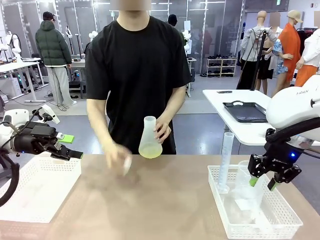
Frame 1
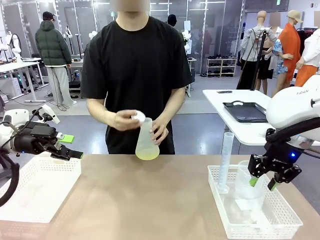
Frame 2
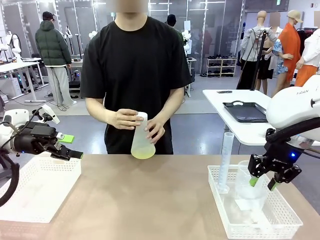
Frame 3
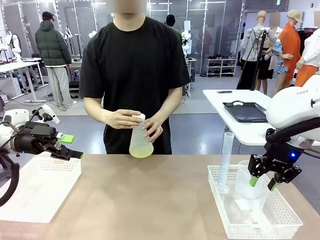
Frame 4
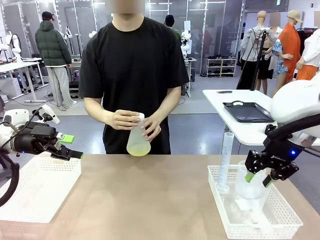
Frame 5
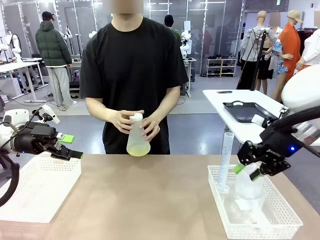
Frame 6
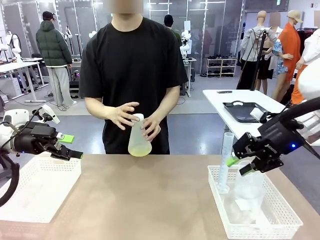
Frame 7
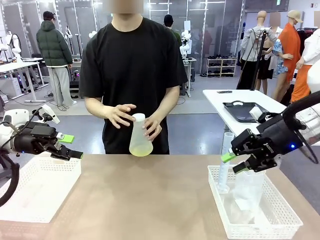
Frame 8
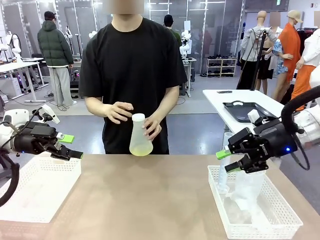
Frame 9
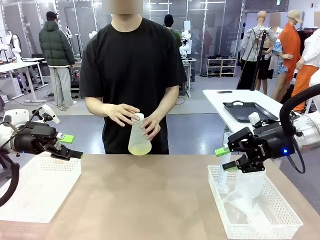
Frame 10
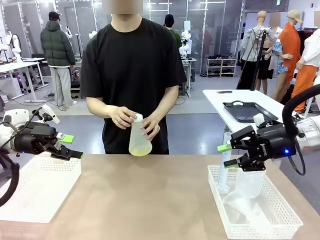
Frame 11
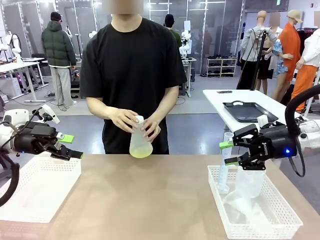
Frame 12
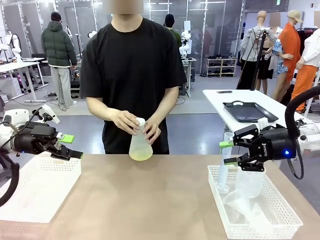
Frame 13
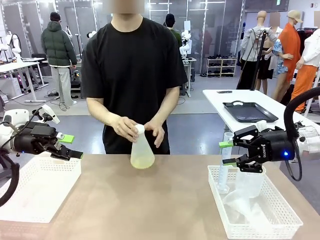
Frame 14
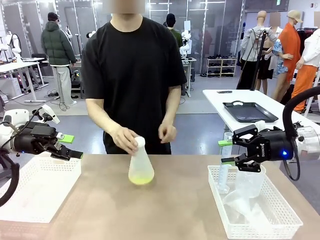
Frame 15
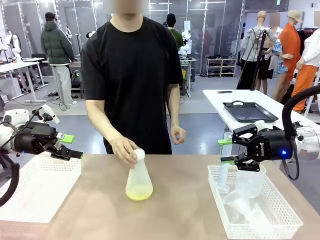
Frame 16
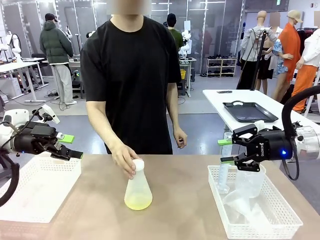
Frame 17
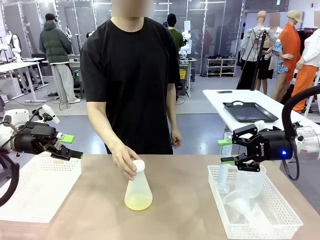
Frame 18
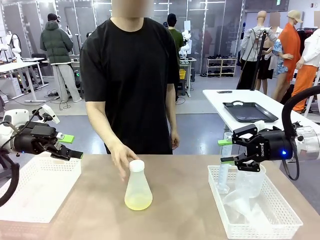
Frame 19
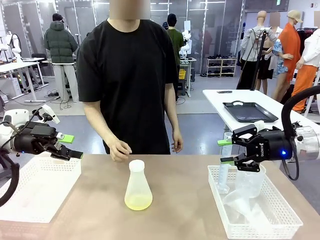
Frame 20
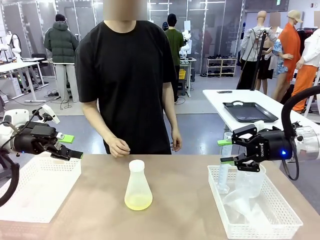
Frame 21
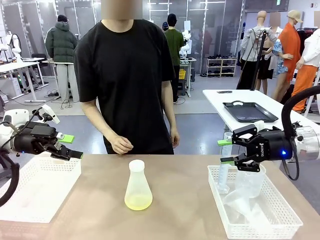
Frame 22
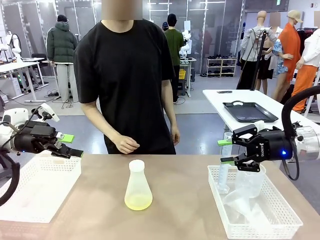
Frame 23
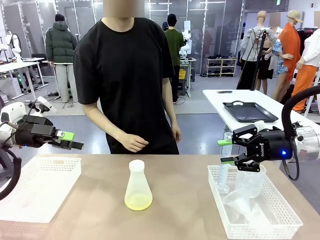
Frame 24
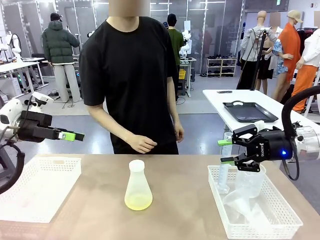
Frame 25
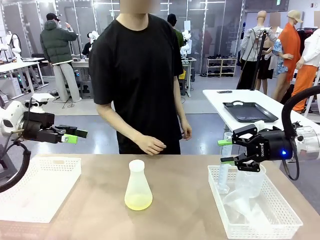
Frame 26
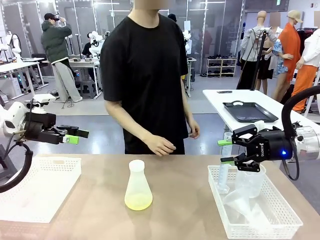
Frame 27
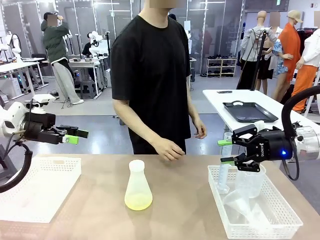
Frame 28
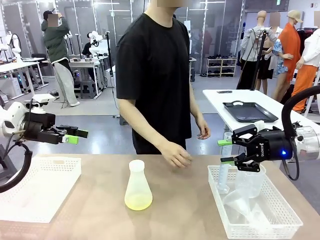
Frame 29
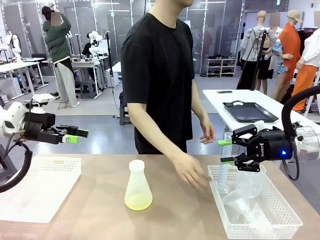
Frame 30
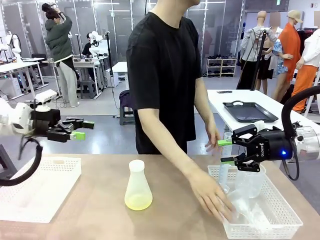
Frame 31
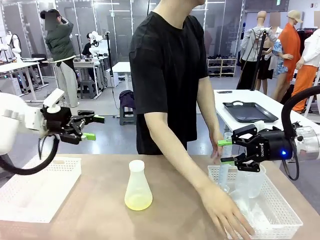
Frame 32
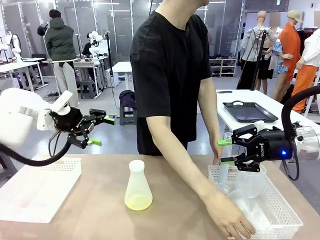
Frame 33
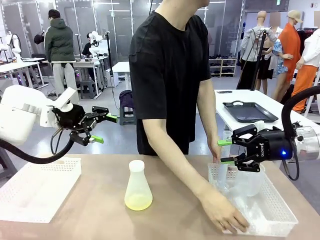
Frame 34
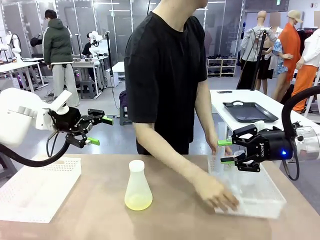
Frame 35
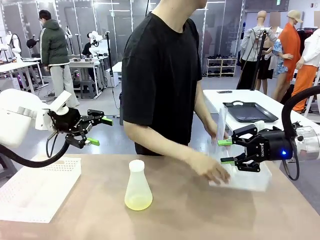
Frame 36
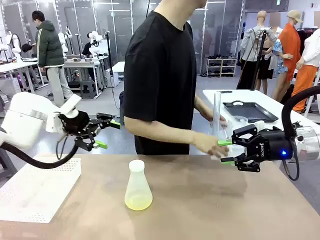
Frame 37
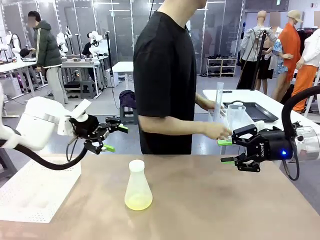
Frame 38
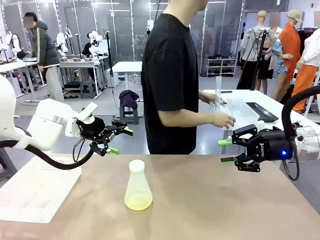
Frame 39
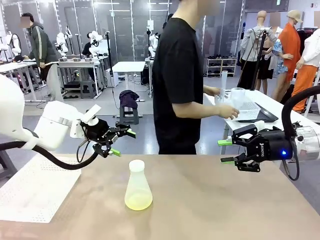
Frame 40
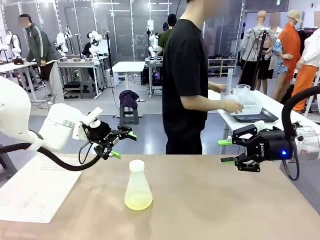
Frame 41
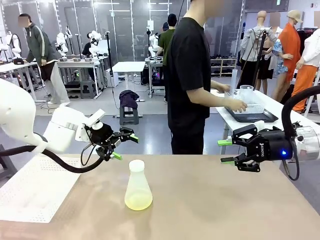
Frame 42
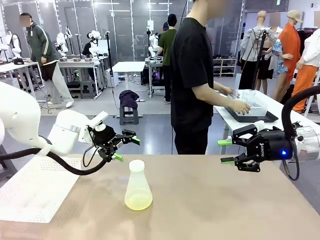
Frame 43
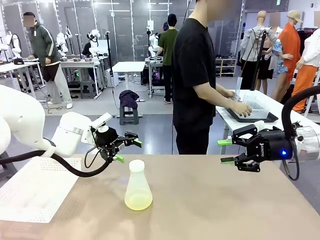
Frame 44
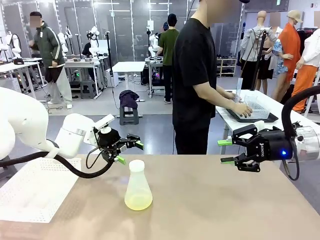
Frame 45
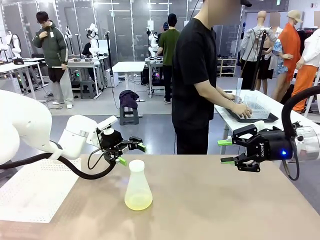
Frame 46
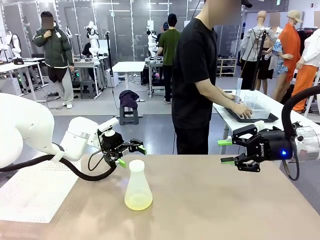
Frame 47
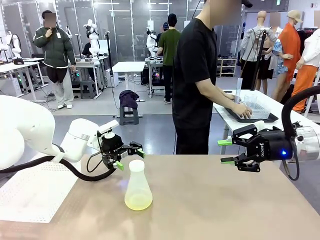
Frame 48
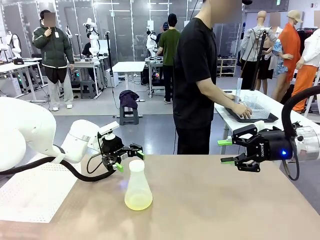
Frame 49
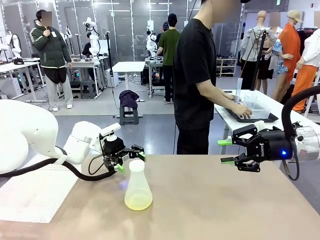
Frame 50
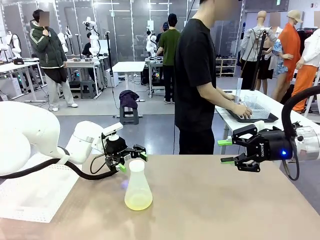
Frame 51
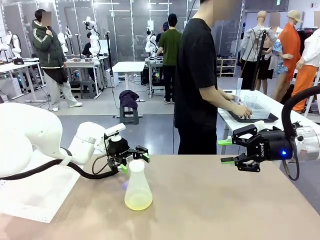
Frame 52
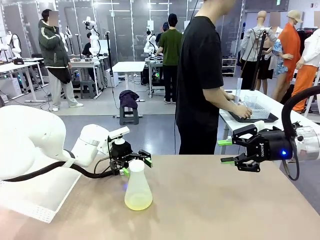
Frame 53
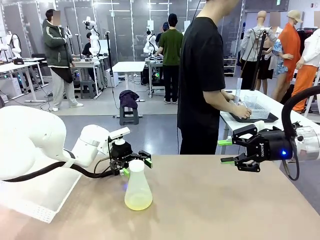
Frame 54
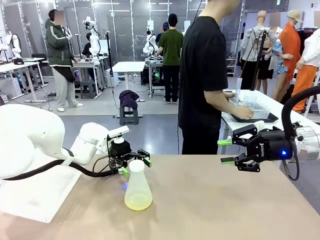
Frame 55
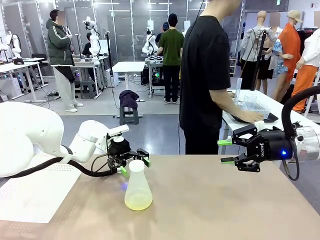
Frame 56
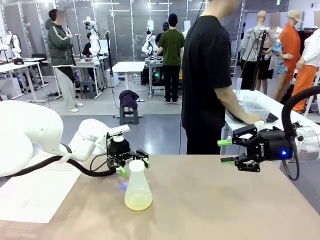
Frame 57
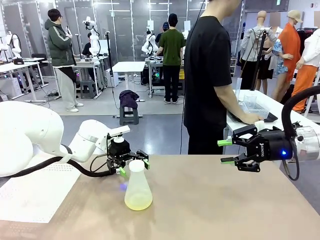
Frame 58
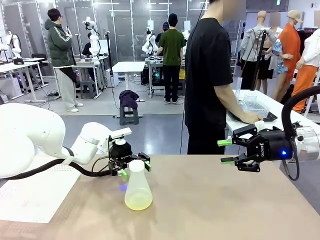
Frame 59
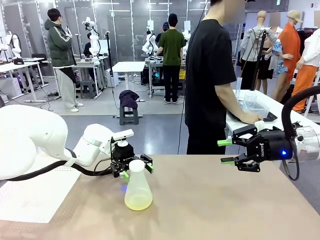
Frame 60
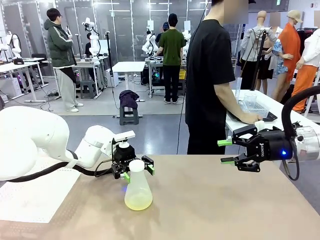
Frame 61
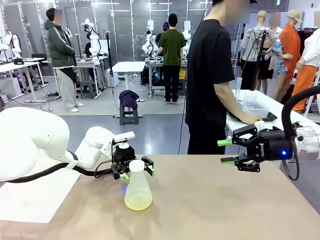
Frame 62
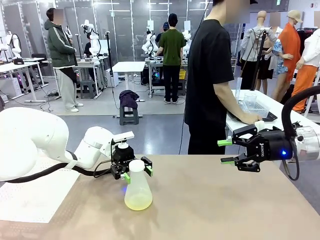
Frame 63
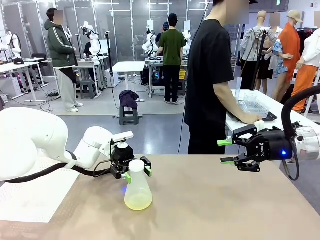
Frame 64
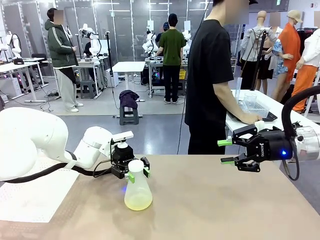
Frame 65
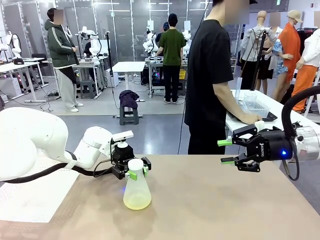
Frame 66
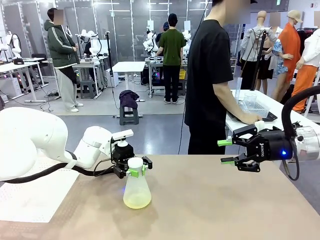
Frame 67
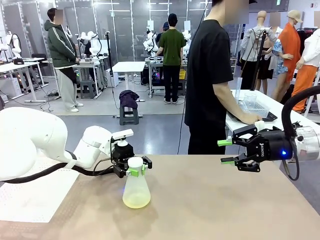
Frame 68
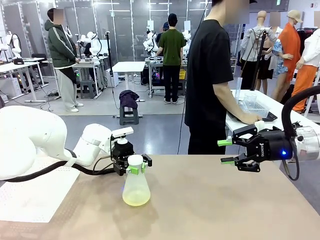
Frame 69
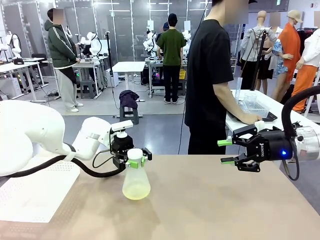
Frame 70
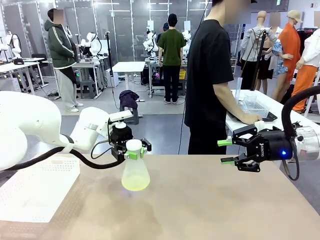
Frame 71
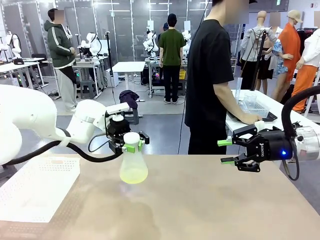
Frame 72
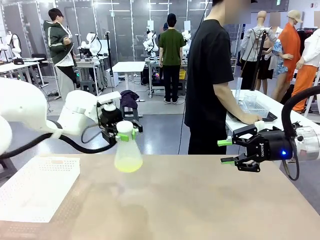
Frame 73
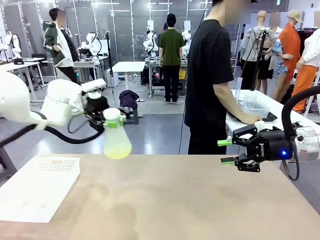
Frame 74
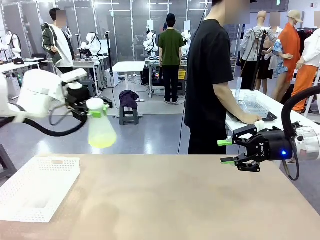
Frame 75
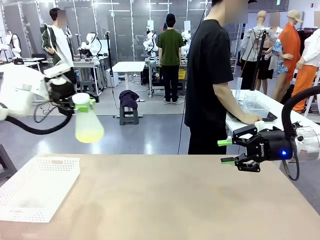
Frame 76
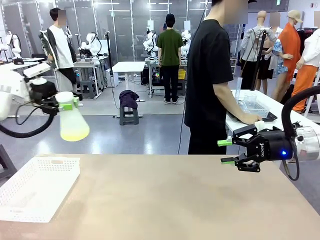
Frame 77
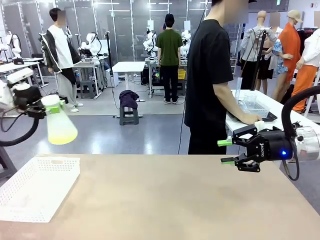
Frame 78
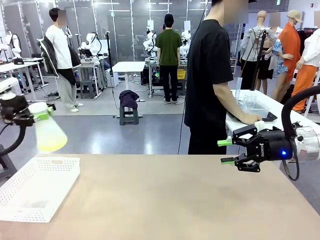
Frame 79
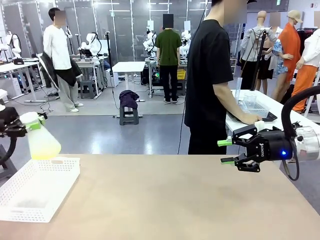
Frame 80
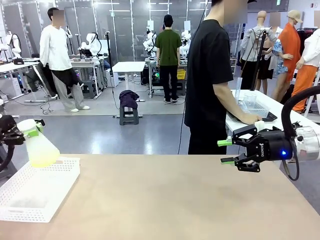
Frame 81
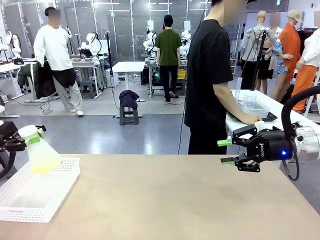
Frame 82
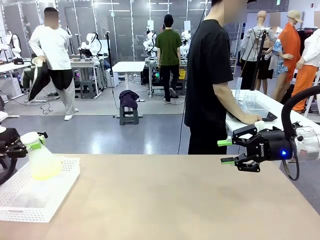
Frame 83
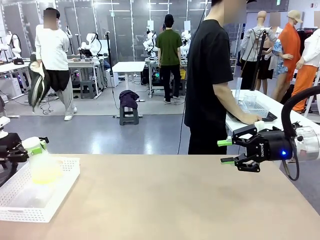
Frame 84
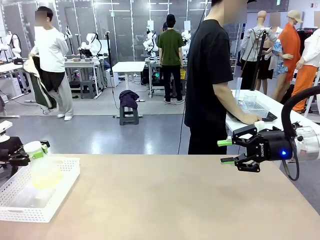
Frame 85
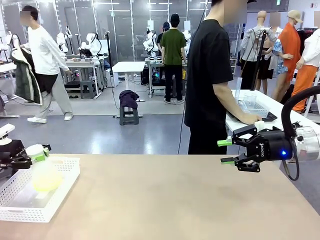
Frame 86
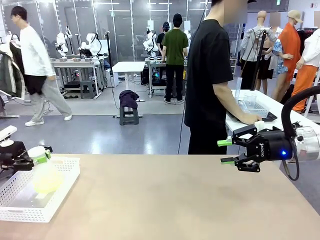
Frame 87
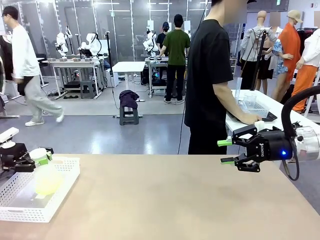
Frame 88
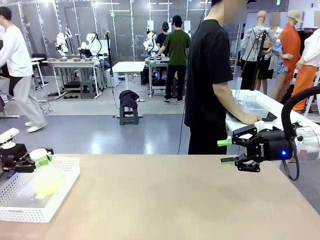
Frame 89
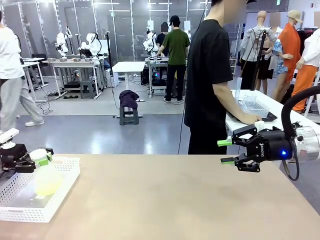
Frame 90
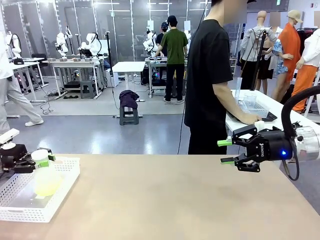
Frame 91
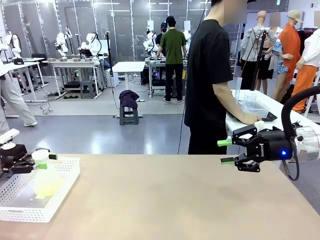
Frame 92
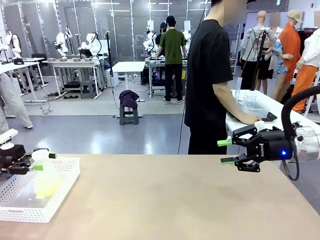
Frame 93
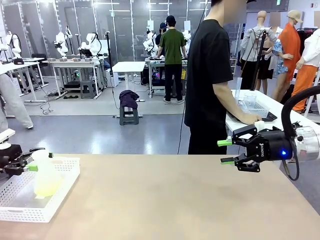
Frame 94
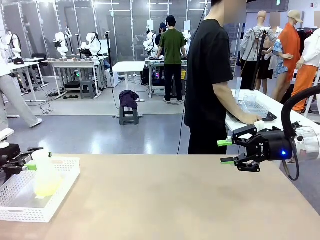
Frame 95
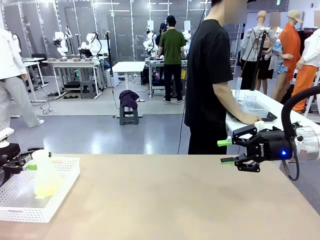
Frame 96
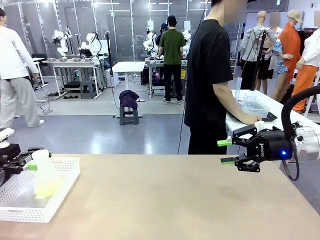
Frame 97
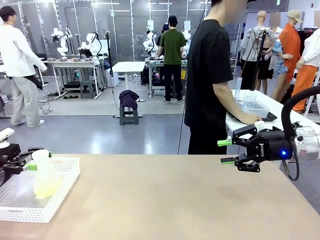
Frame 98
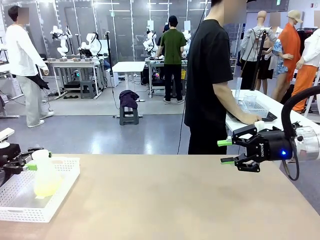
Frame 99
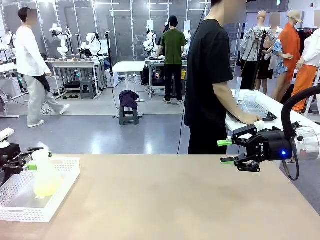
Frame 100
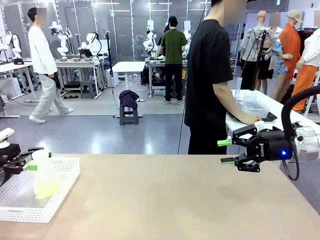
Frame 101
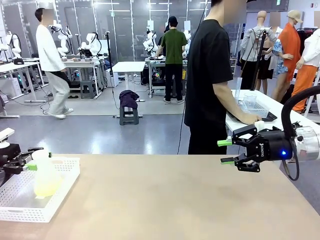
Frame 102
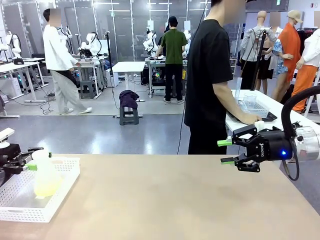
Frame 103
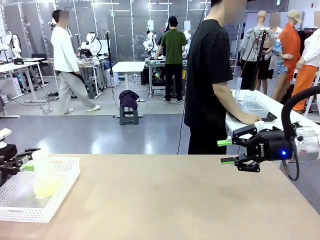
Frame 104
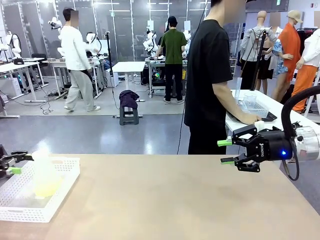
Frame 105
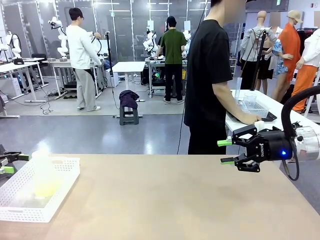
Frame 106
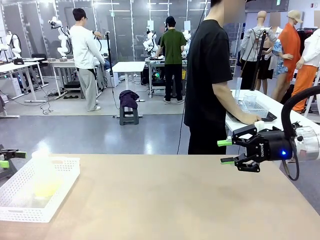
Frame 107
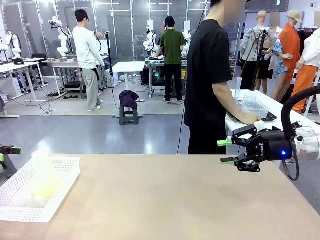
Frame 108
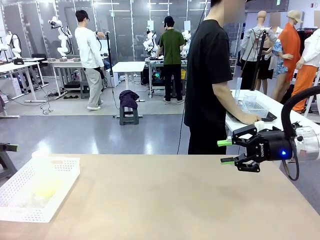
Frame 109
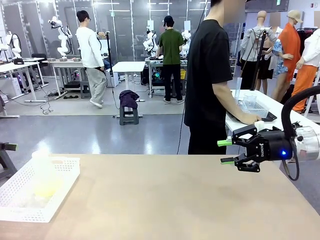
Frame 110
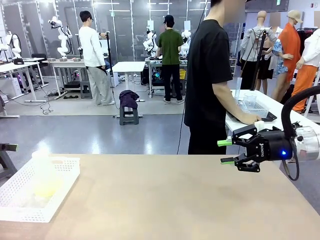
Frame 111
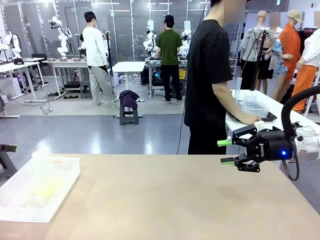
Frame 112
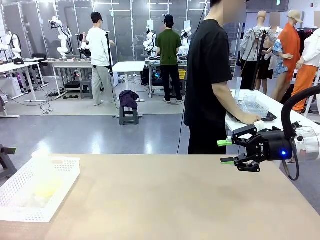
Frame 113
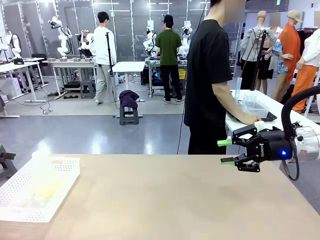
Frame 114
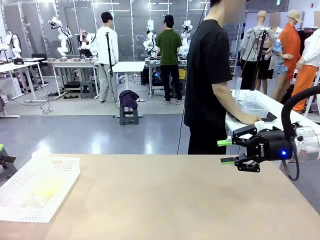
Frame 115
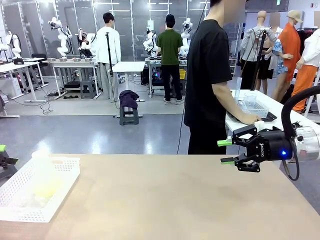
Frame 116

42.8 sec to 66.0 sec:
Task: Prepare the solutions needed for the experiment.
Robot: When the human places the Big flask in the center of the table, pick up the Big flask and place it in the left Organizing basket.
Person: Pick up the organizing basket on the left side of the robot table and place it on the left side of the human table.
